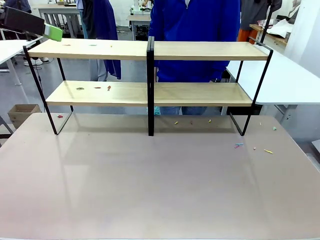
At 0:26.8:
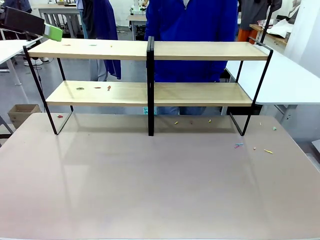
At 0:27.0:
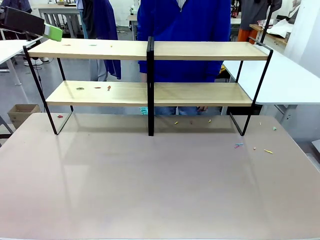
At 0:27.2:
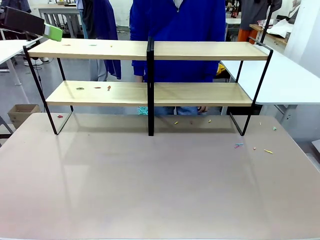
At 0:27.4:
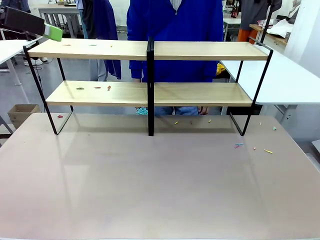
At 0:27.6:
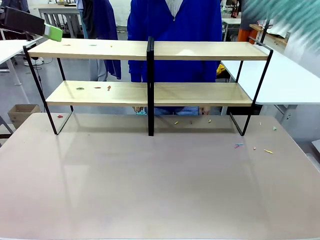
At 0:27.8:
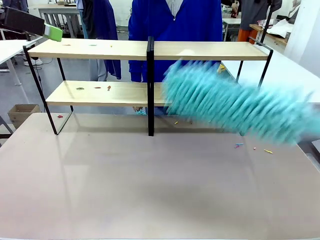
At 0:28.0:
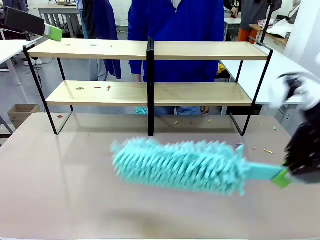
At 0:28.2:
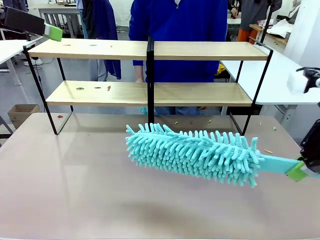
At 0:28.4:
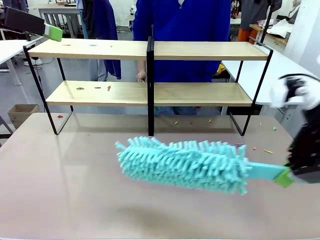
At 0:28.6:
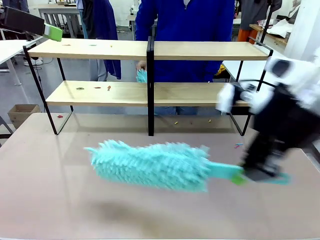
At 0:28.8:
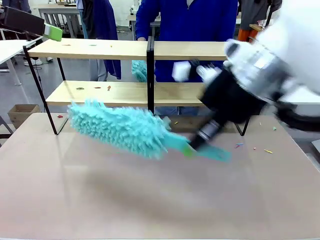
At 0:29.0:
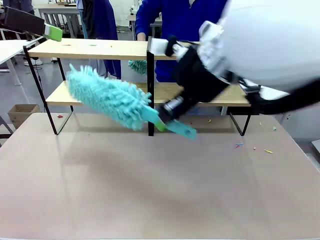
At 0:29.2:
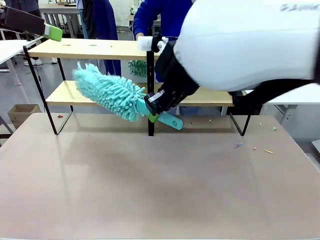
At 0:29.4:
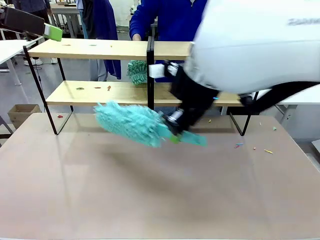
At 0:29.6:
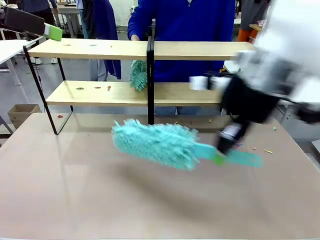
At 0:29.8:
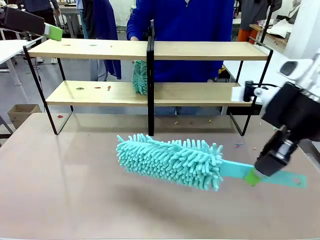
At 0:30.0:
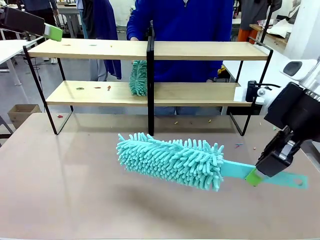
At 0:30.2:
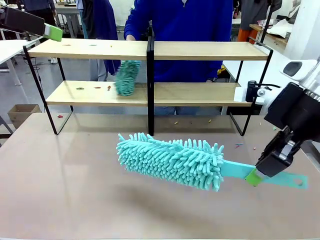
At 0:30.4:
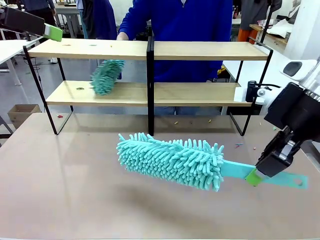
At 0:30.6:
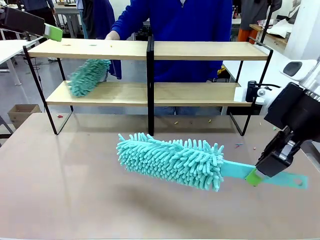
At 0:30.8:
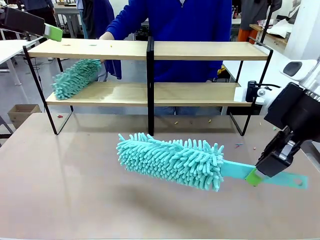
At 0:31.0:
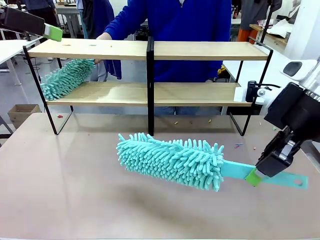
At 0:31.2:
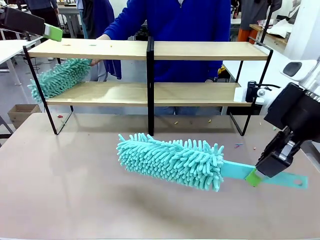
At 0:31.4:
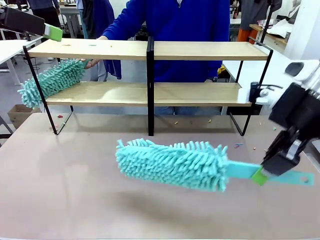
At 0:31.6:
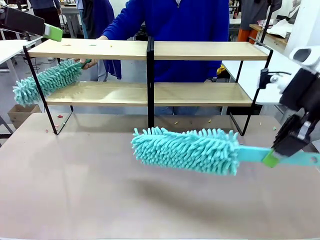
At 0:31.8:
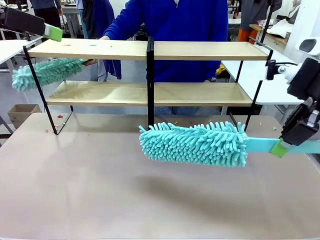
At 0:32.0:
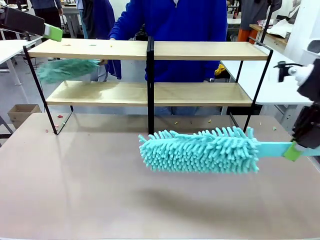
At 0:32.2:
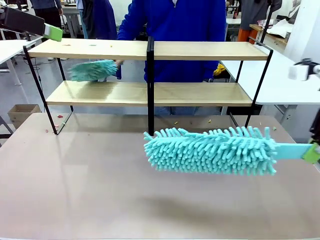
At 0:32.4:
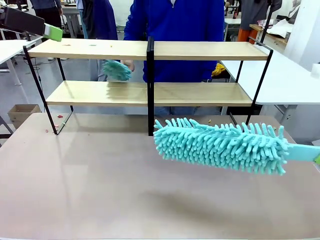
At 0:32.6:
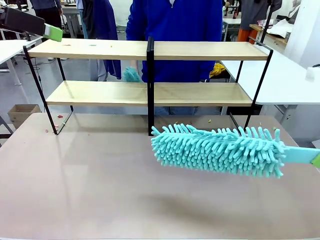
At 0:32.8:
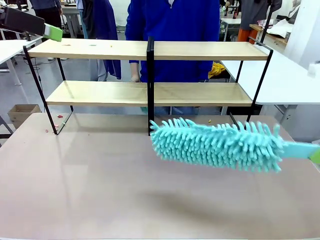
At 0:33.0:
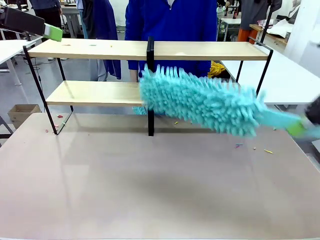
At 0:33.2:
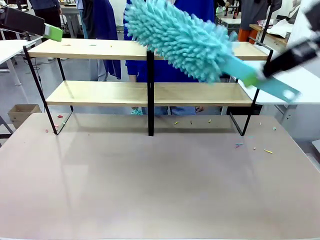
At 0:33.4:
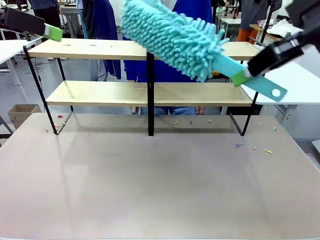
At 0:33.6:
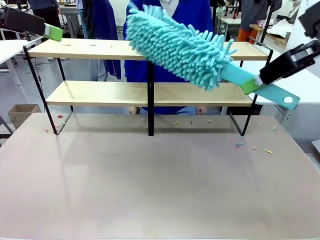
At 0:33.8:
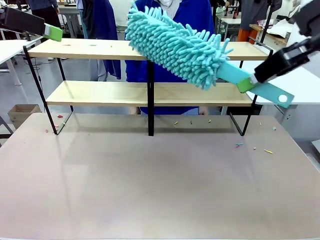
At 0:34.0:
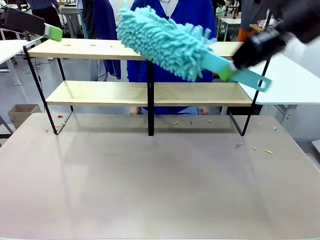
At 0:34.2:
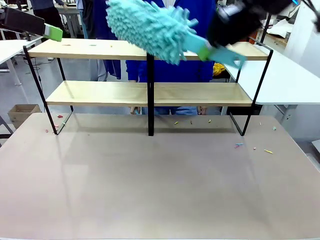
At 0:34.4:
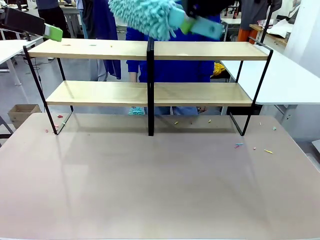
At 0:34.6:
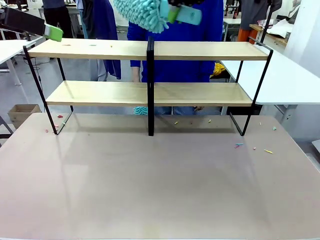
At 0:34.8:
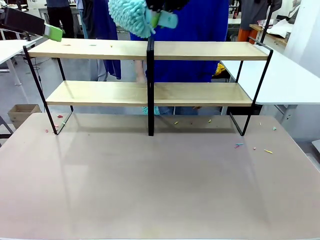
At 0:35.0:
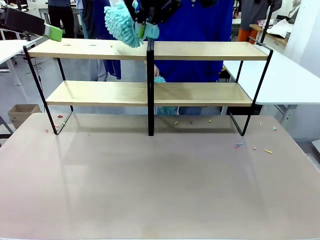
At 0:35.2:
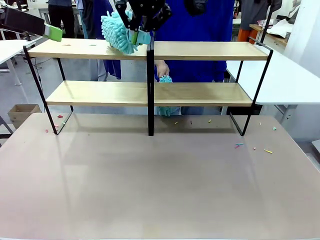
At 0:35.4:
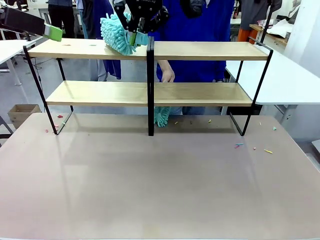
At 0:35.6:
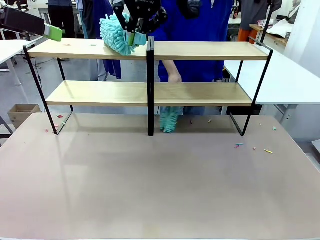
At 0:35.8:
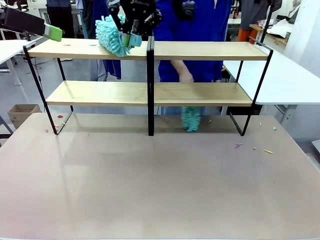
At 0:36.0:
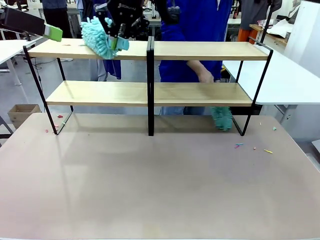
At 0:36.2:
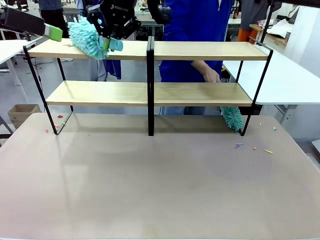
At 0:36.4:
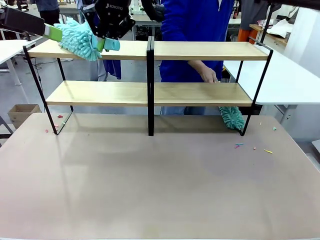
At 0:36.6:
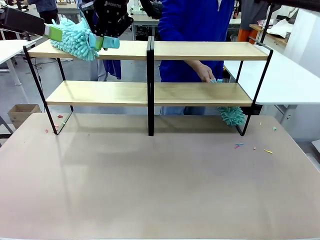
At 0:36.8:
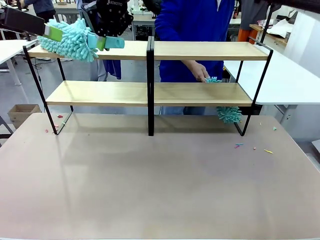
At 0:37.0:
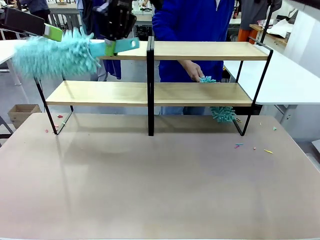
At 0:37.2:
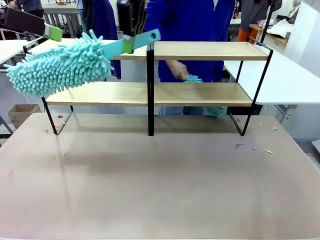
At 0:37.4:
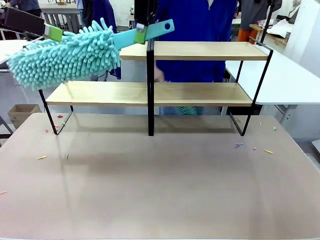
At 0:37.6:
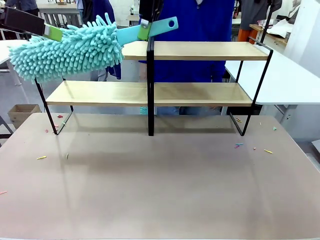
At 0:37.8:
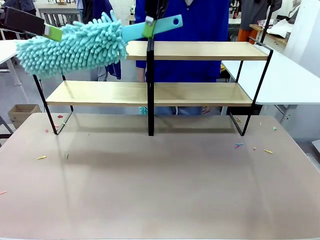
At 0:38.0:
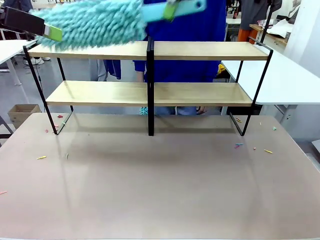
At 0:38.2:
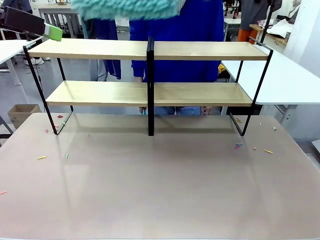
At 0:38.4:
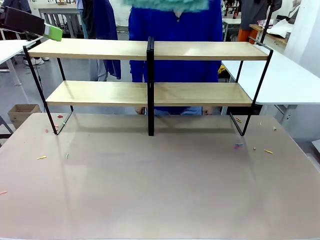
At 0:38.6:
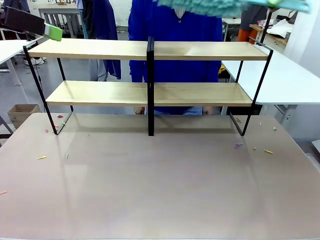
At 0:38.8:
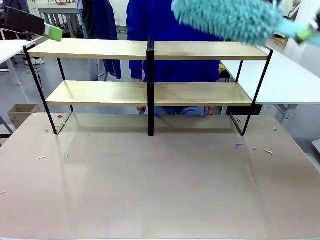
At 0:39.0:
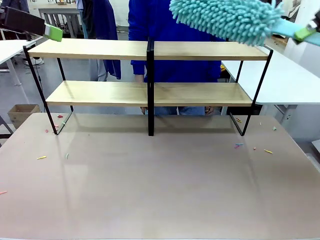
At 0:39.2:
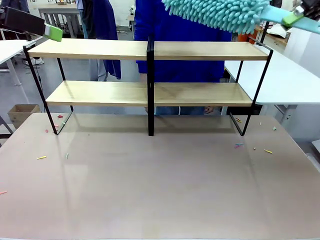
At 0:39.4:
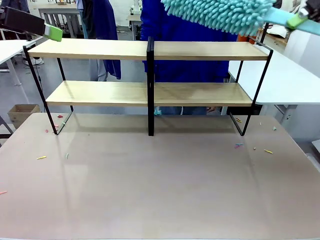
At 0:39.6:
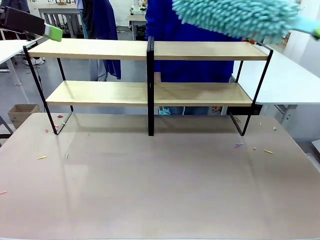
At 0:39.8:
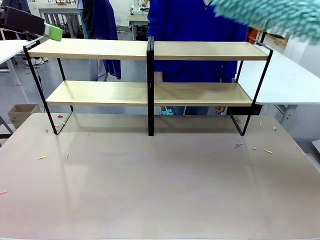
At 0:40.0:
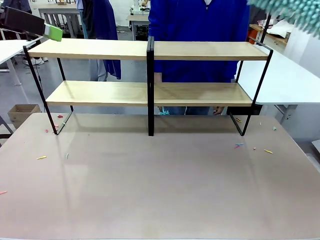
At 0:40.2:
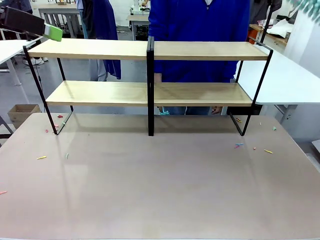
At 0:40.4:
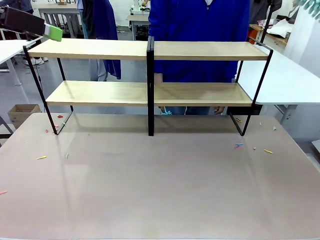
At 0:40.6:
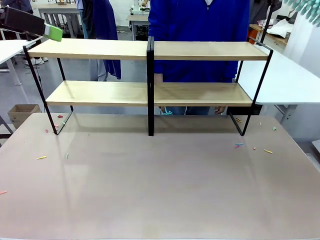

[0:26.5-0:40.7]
Task: Clean the shelves.
Robot: Clean another randomly selected level of the Shelf with the Duster.

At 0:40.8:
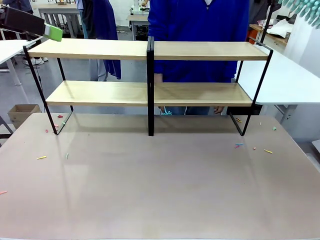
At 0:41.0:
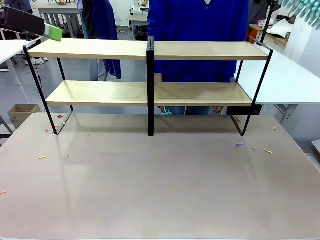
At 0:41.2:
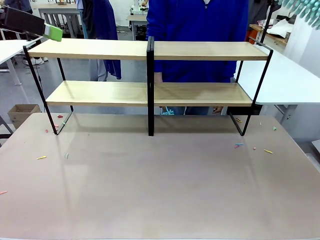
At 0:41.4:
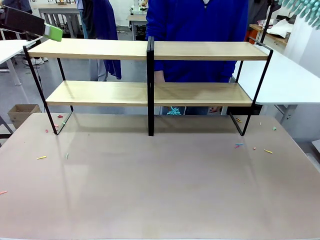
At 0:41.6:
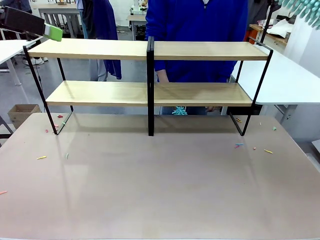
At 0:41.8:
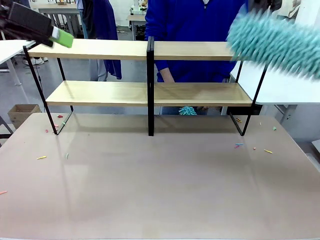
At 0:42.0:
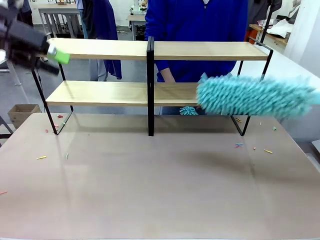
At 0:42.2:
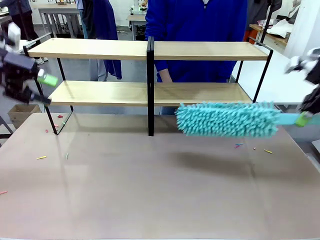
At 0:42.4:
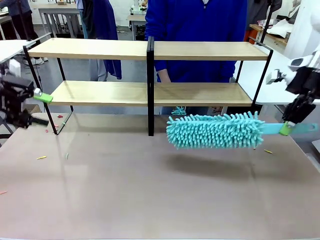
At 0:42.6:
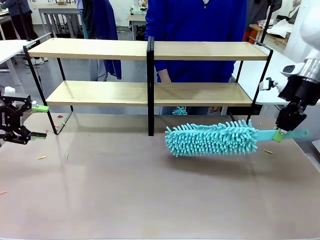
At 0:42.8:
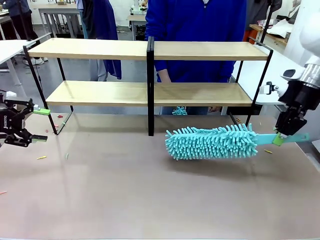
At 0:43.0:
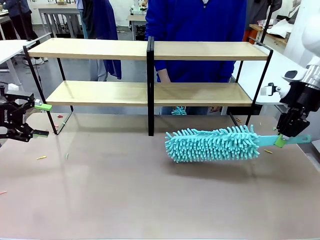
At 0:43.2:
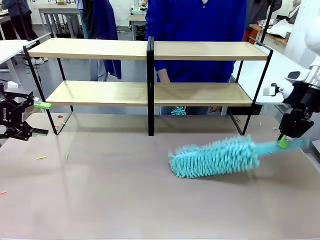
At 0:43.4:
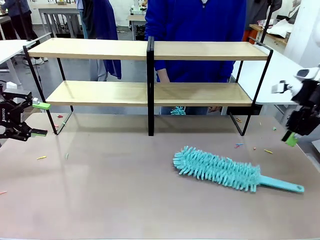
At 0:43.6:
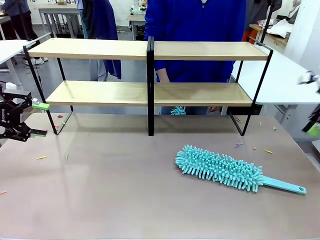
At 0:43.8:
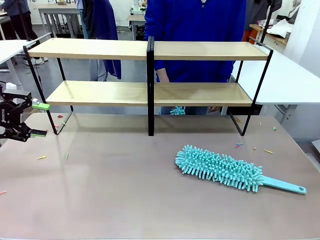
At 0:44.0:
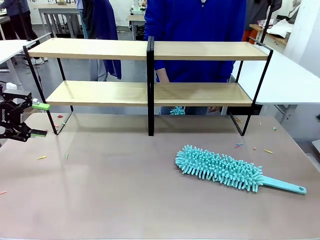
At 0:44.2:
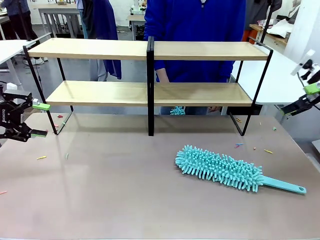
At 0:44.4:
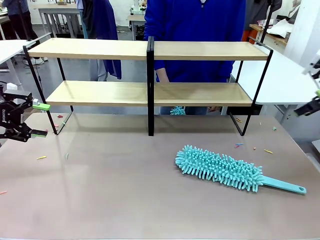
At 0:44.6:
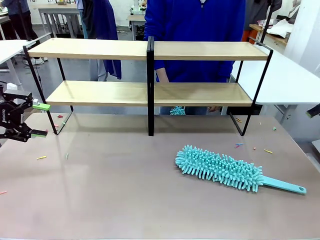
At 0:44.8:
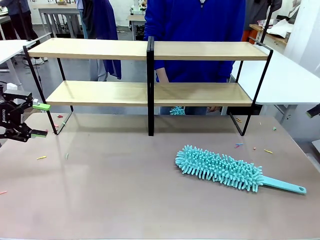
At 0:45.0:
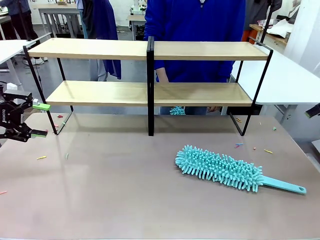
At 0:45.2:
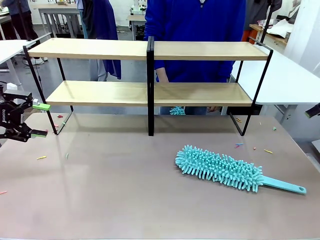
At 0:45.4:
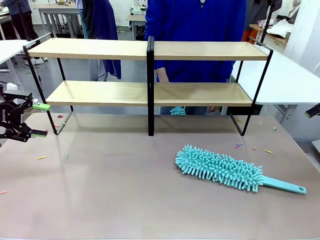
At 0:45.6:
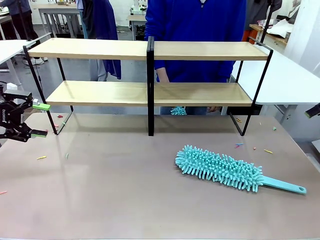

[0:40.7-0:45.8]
Robot: Place the Duster on the table.
